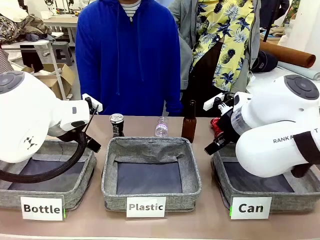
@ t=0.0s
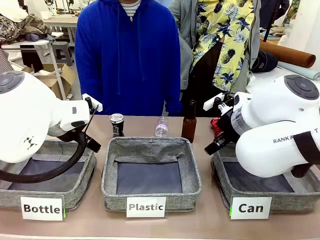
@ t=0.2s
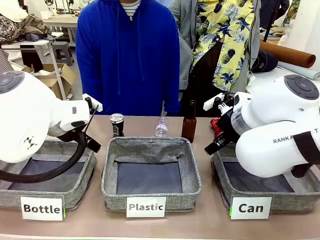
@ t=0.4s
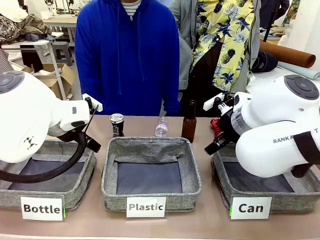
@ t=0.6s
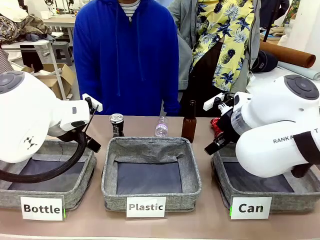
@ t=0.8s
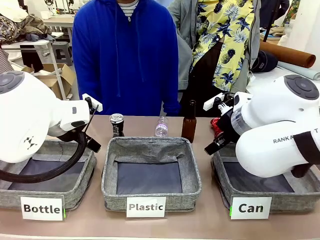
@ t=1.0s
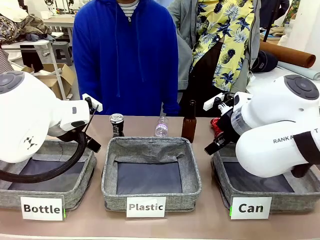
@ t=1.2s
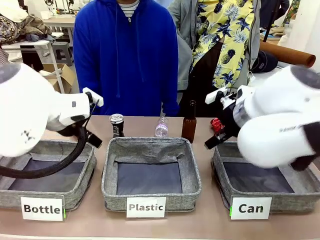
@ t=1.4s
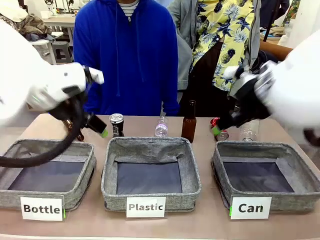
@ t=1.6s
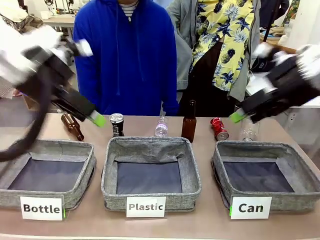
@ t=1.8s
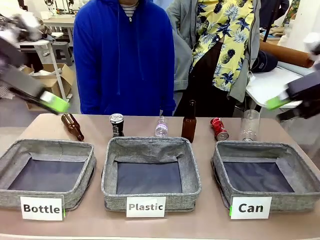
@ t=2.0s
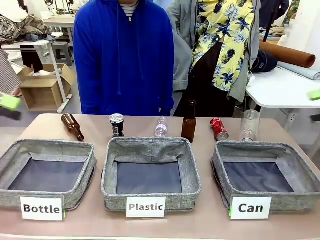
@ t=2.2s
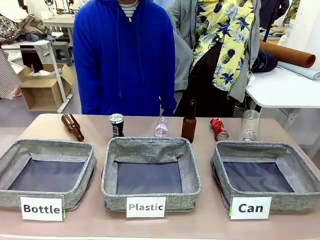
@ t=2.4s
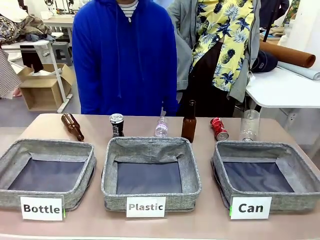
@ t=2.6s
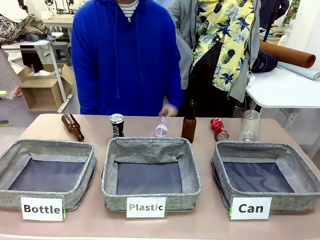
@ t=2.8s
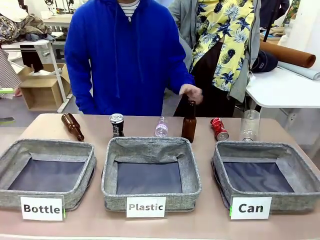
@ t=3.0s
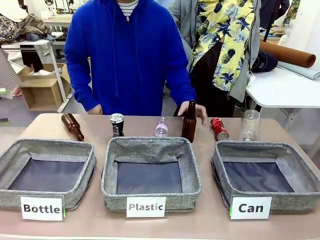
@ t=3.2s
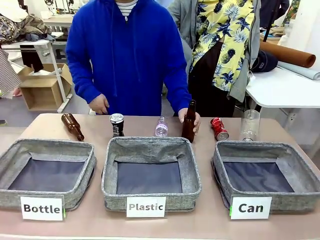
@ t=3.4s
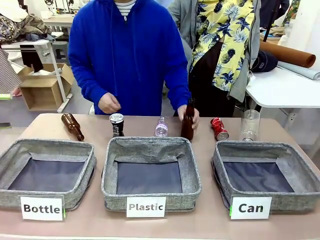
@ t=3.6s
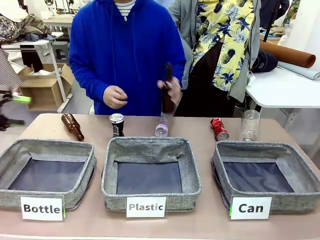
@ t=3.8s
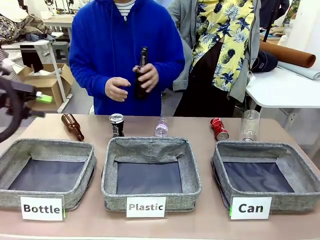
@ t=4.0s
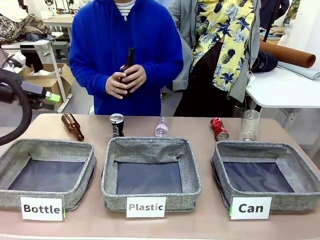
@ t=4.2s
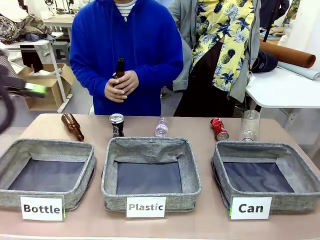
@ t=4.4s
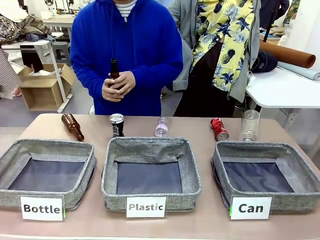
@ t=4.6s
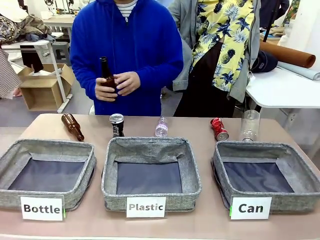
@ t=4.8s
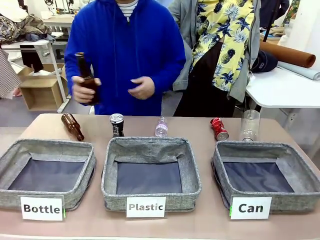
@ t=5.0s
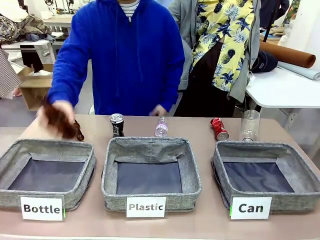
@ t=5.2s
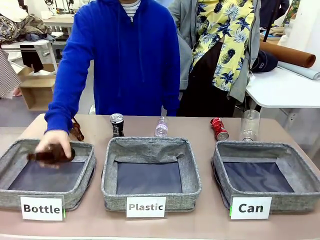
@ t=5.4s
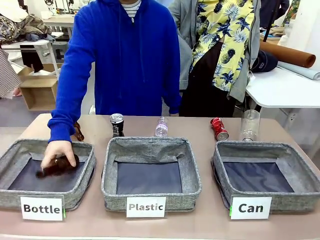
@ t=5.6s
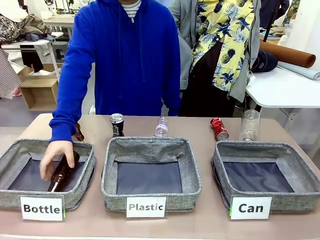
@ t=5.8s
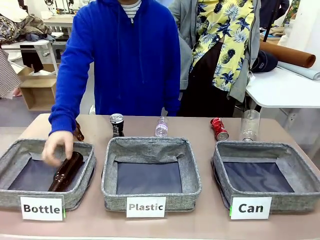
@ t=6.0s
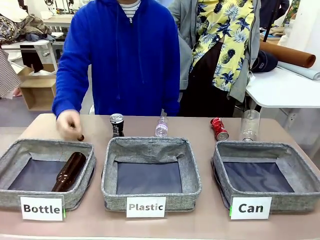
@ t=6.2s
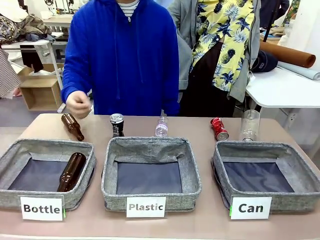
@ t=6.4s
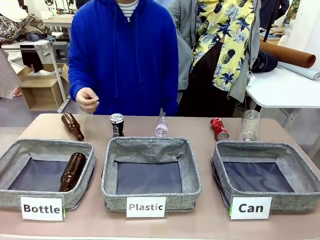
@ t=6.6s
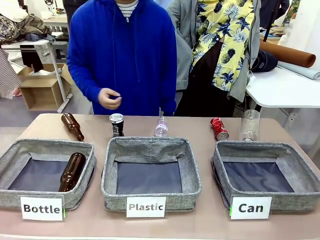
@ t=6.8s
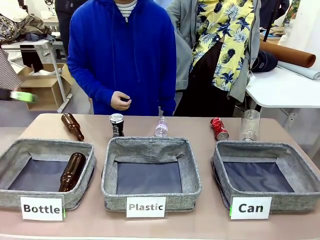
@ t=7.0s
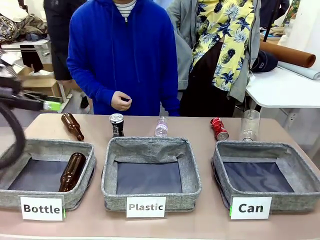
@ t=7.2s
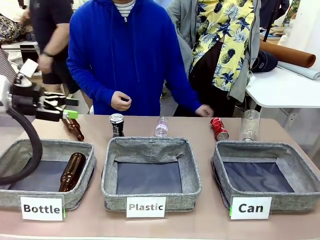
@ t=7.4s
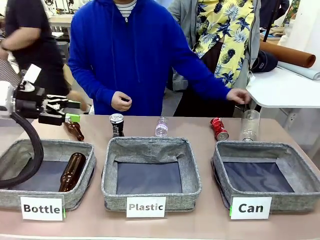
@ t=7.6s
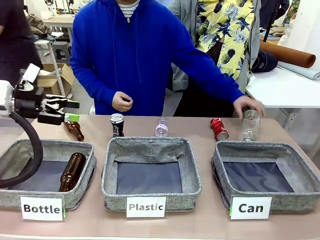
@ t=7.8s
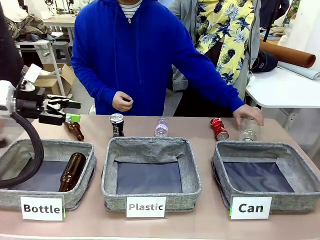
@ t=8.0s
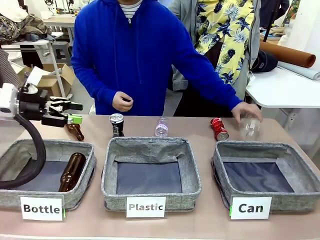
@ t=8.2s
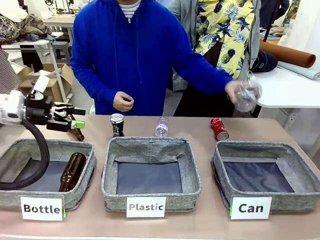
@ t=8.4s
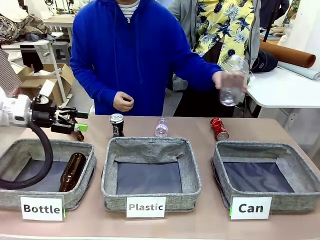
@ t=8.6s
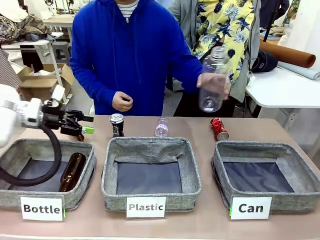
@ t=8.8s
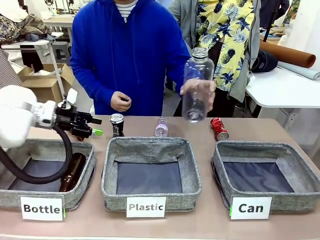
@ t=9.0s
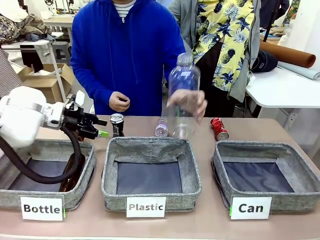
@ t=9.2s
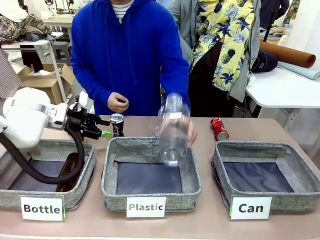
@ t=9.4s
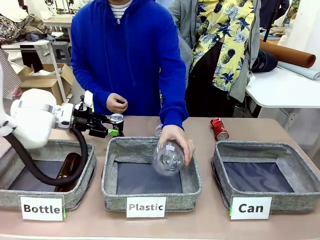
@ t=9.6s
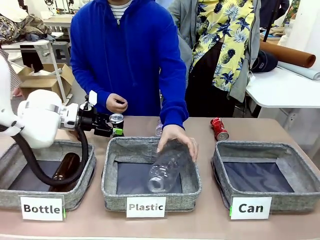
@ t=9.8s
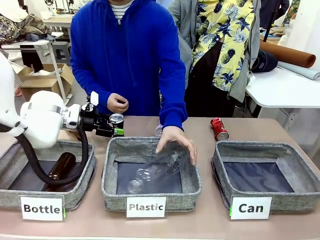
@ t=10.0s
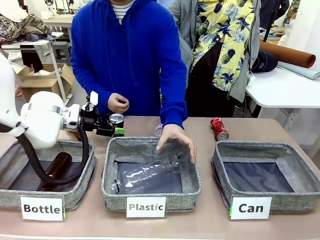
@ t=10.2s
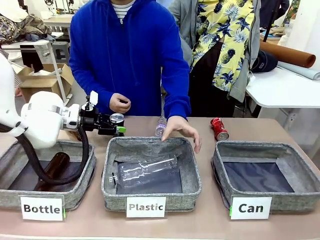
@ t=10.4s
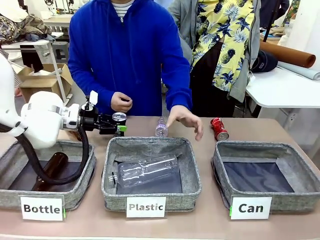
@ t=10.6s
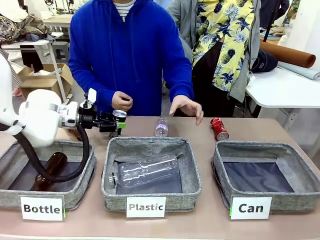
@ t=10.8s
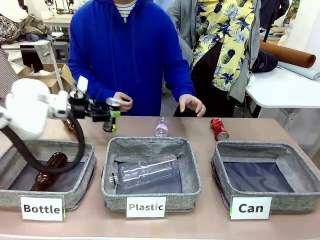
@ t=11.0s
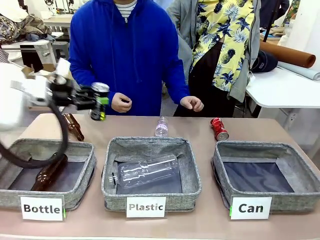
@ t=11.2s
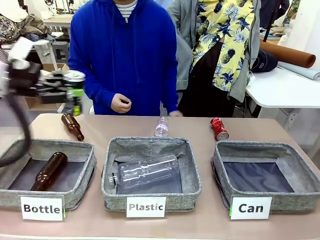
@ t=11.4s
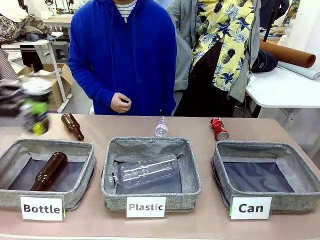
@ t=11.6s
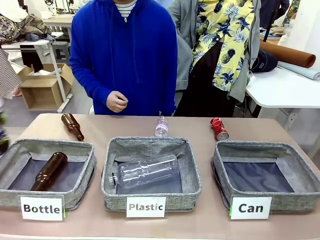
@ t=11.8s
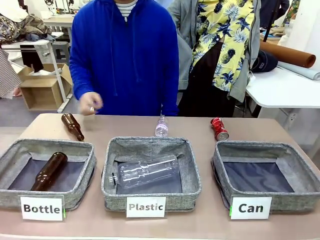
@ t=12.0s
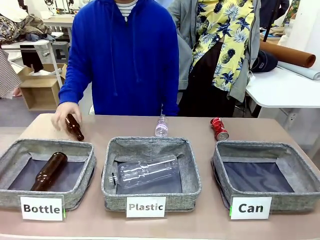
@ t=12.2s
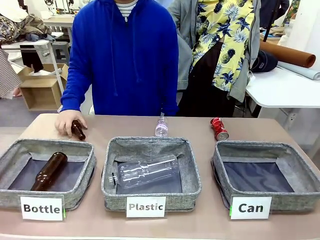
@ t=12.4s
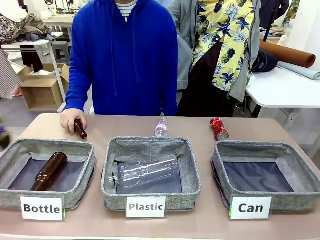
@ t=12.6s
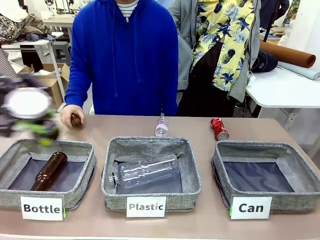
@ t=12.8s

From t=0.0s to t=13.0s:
Task: Sort the can waste into the basket.
Robot: Pick up the can waste from the table and place it in the right Fabric basket.
